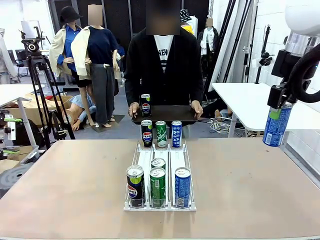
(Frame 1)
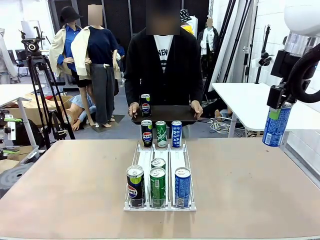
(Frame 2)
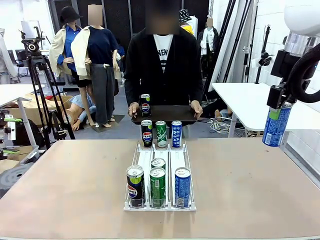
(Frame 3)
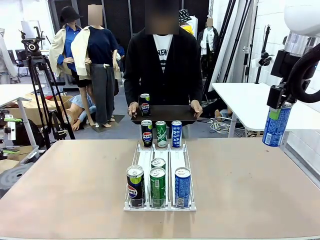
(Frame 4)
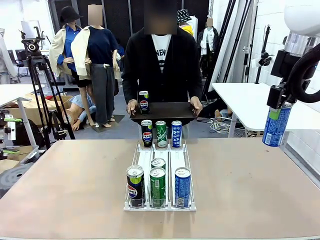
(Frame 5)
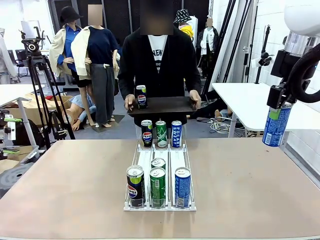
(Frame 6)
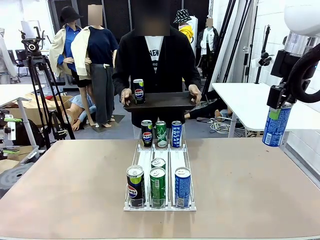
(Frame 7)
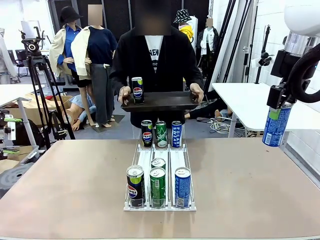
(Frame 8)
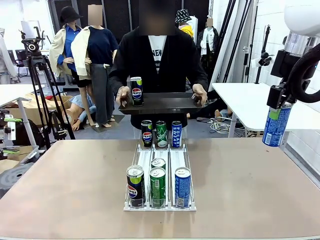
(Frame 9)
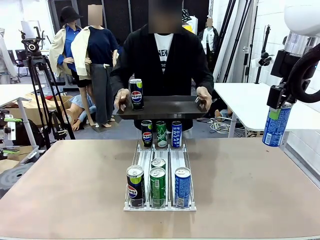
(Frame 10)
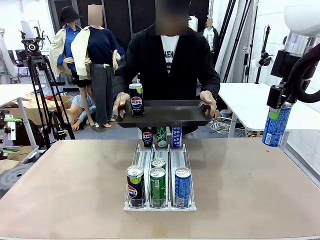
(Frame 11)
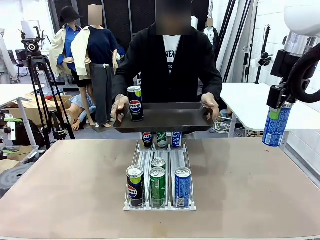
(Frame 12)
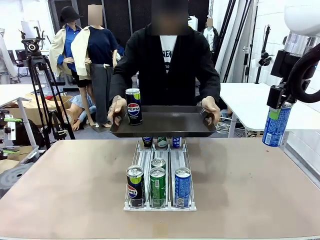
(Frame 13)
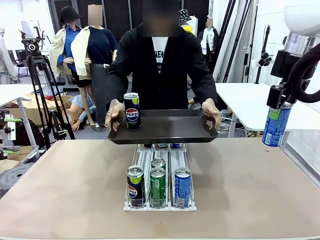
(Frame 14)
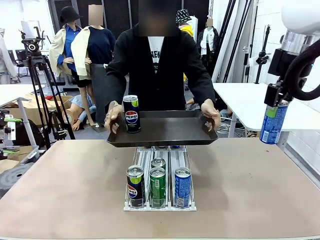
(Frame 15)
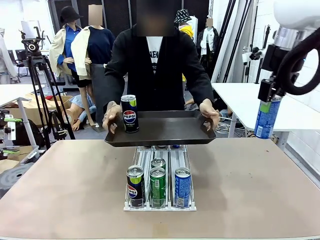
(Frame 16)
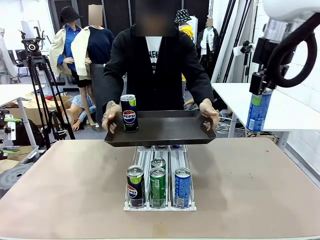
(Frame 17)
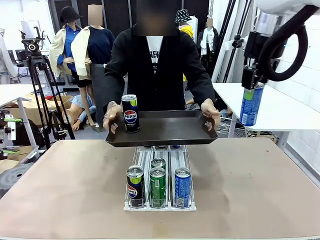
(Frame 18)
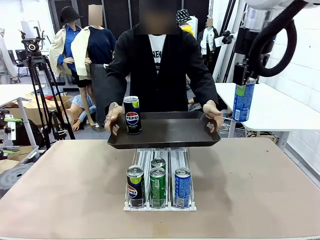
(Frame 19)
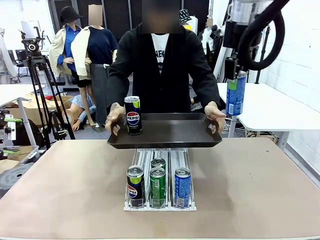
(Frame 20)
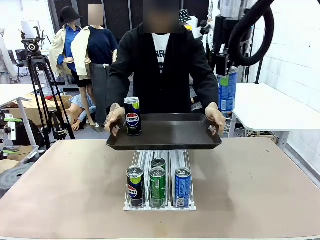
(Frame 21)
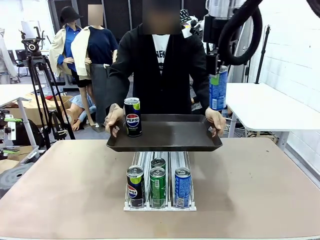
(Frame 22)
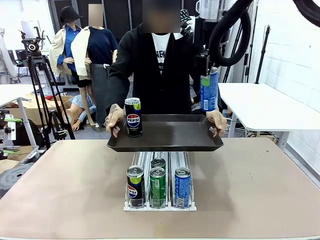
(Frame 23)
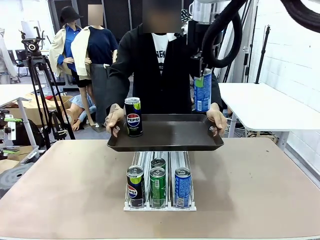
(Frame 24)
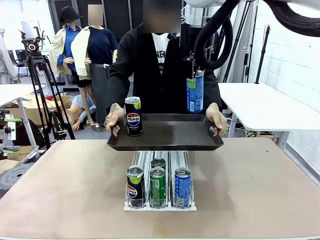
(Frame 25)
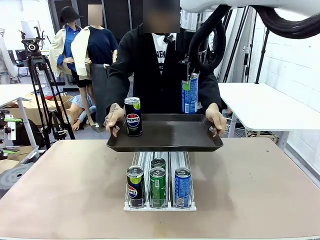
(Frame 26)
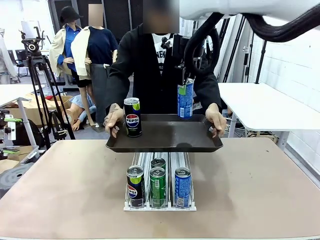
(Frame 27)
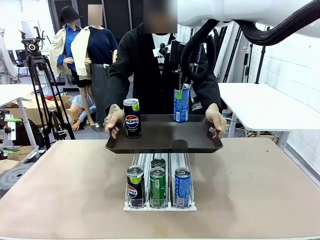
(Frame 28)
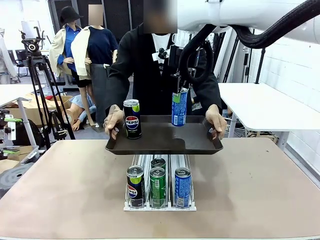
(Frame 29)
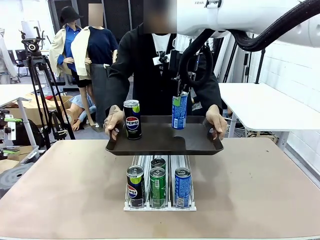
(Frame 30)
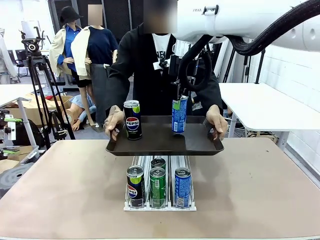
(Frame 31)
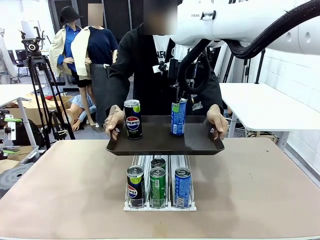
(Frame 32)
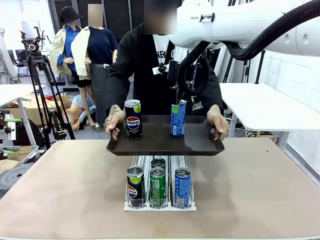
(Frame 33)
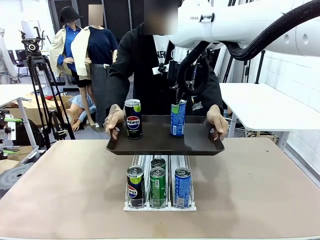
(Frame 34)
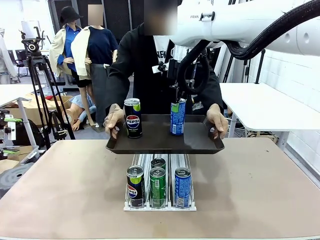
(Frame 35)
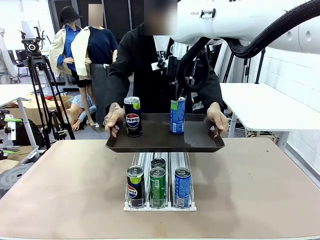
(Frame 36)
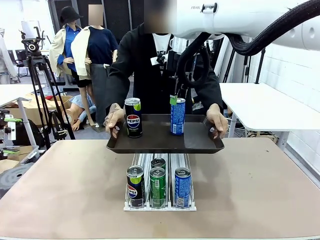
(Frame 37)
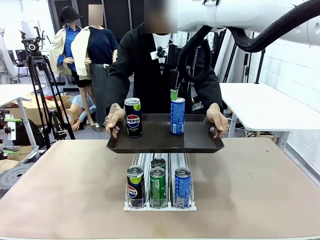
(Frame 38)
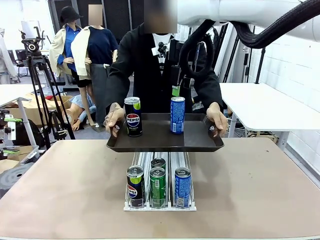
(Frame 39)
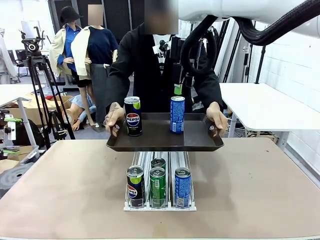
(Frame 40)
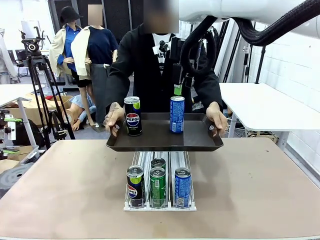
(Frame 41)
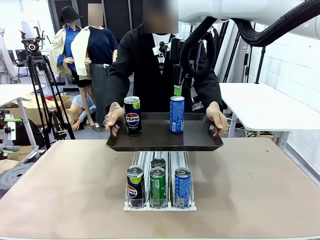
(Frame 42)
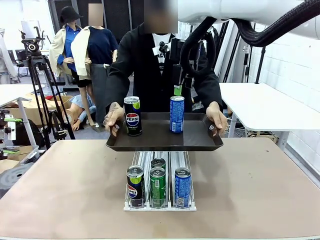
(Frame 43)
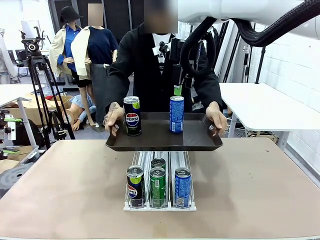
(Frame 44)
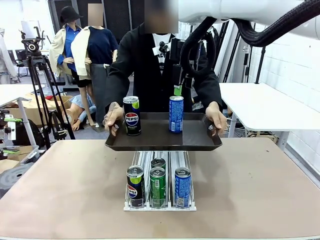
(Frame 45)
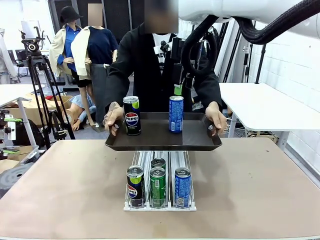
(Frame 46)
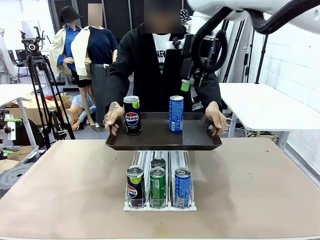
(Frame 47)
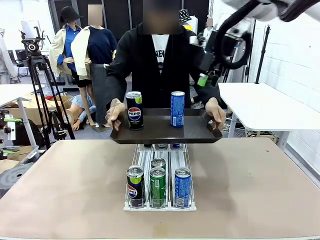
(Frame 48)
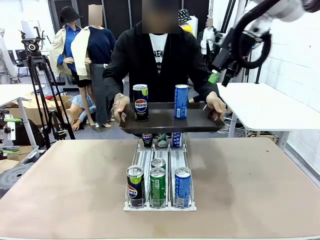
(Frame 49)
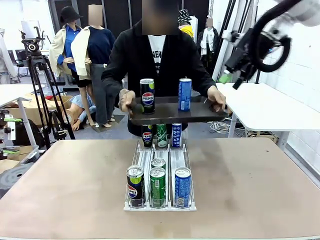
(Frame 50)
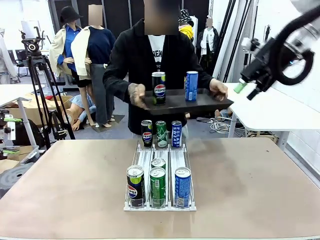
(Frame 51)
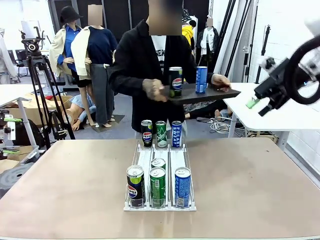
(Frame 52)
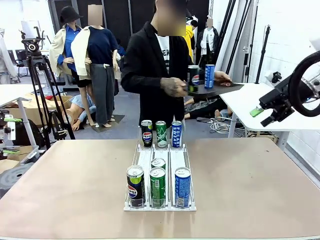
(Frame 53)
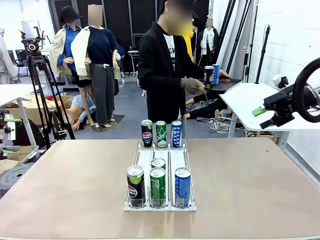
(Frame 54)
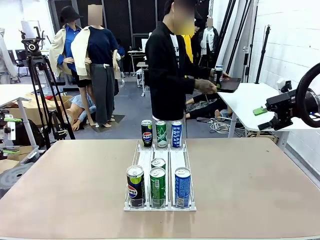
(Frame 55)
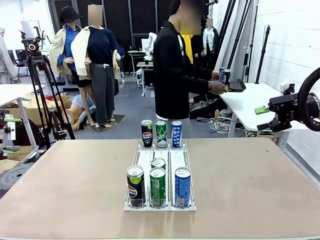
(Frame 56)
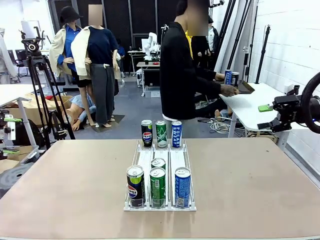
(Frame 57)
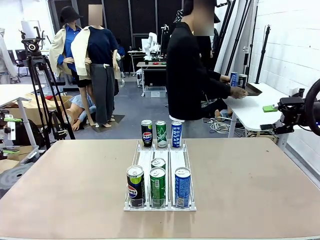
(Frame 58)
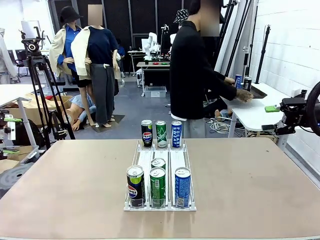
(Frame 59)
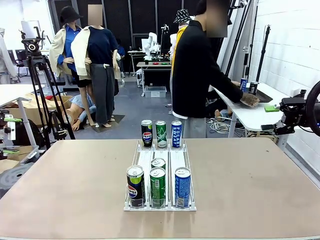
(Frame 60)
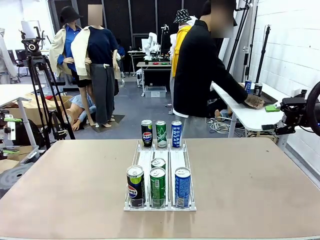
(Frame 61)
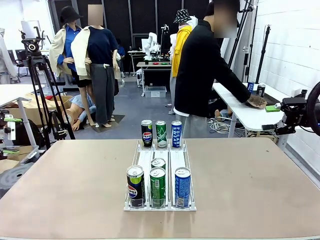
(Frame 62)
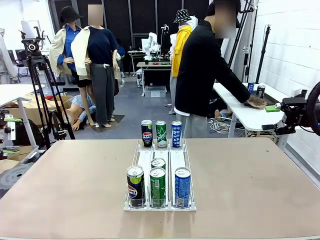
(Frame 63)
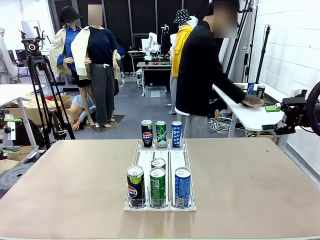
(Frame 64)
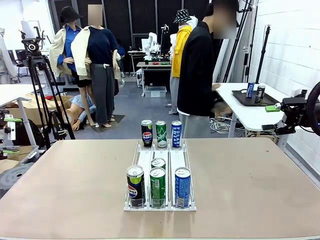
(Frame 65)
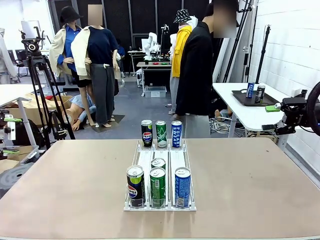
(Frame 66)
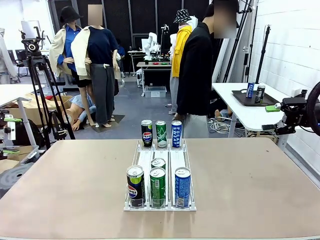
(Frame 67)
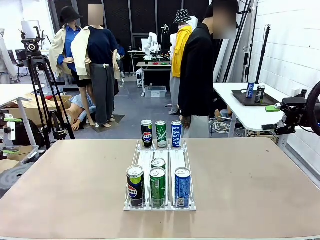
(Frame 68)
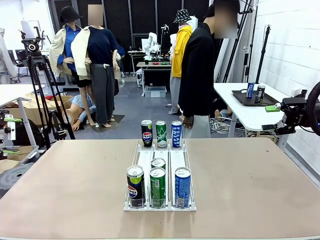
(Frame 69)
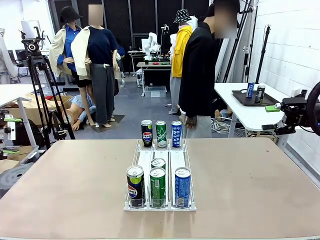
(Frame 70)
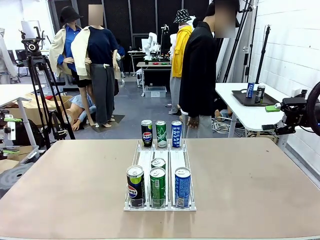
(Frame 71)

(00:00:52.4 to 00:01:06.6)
Task: Retrieve and hand over the desired beverage to the person.
Robot: Place the picked can on the Handle tray extended by the person.
Person: Pull the tray back and place it at the center of the human table.

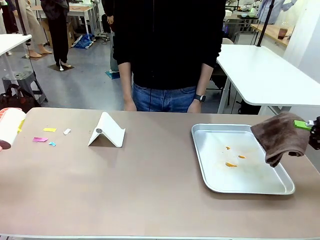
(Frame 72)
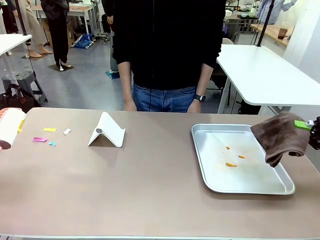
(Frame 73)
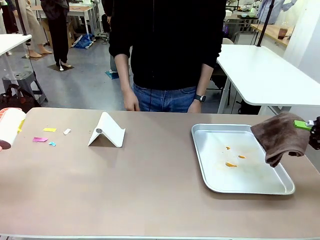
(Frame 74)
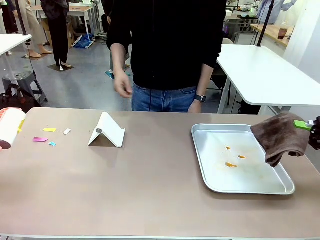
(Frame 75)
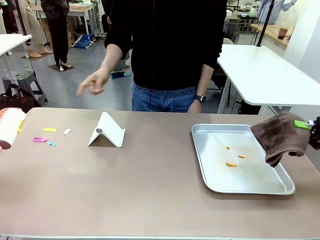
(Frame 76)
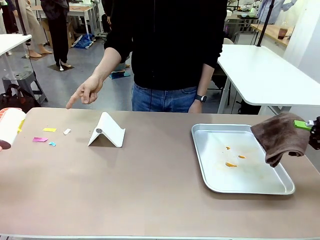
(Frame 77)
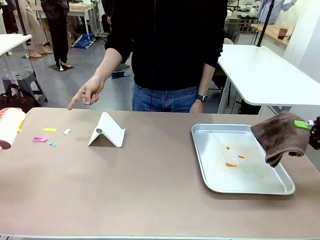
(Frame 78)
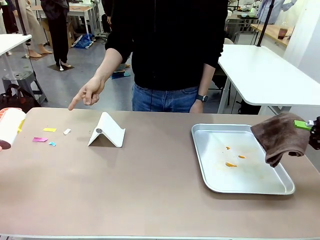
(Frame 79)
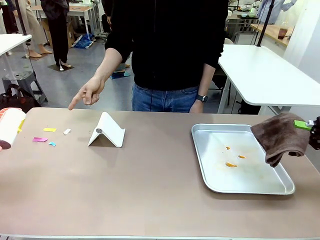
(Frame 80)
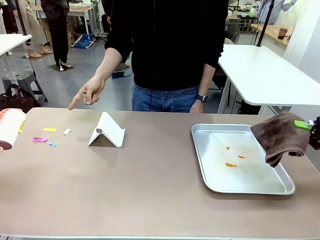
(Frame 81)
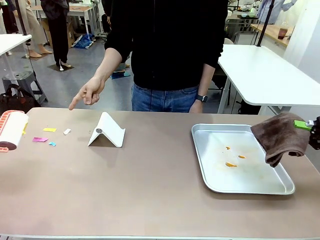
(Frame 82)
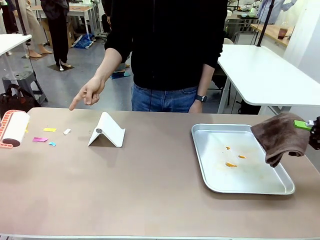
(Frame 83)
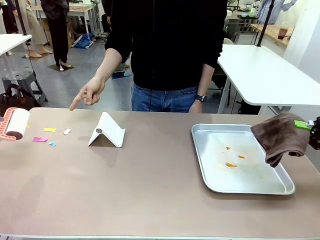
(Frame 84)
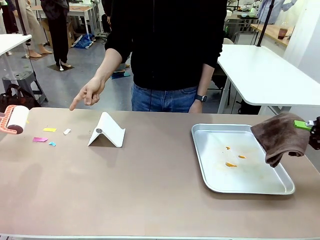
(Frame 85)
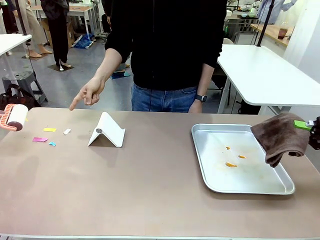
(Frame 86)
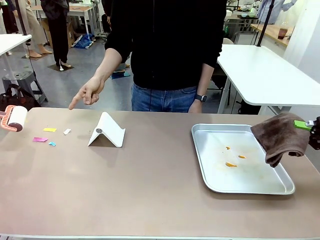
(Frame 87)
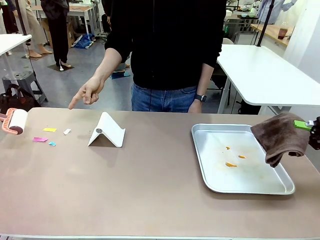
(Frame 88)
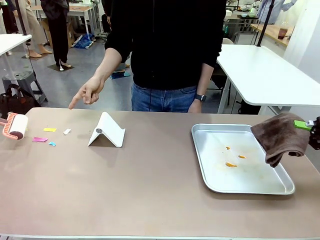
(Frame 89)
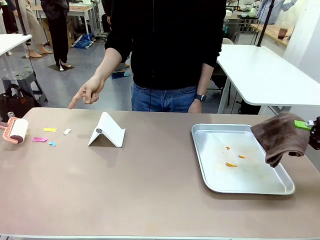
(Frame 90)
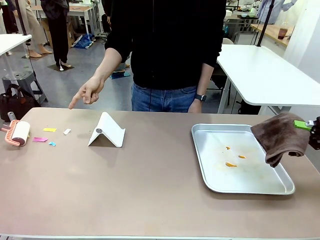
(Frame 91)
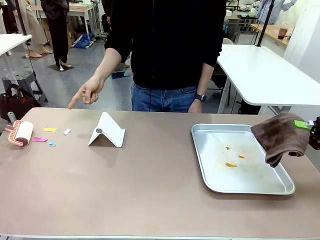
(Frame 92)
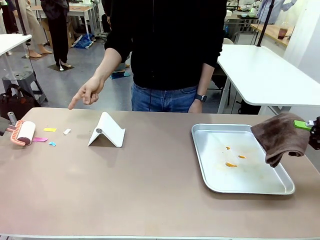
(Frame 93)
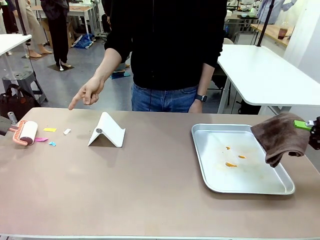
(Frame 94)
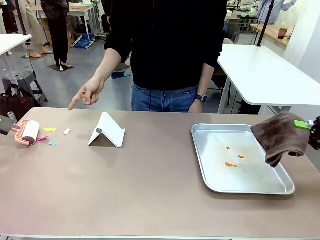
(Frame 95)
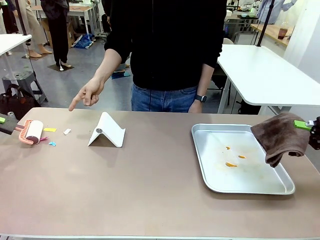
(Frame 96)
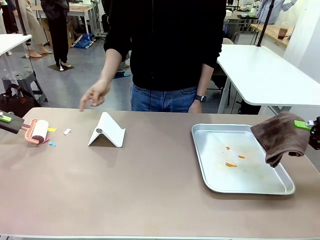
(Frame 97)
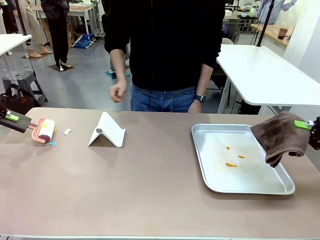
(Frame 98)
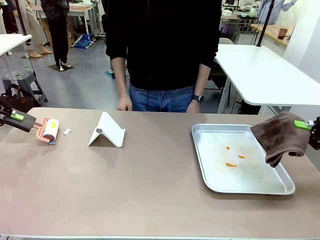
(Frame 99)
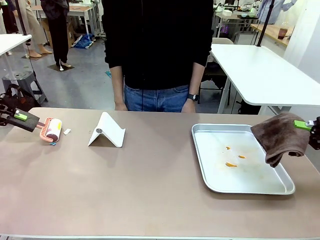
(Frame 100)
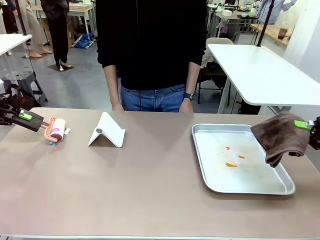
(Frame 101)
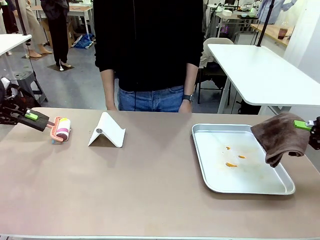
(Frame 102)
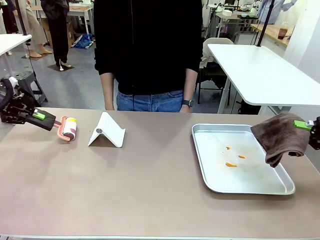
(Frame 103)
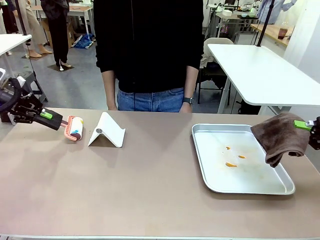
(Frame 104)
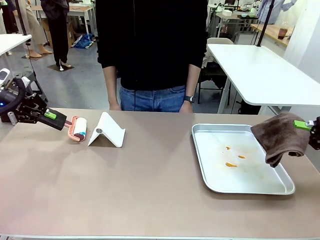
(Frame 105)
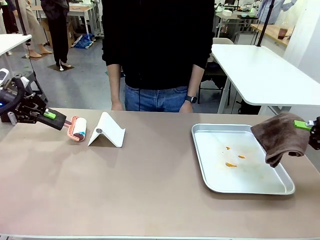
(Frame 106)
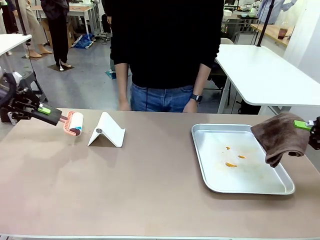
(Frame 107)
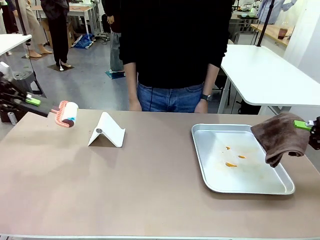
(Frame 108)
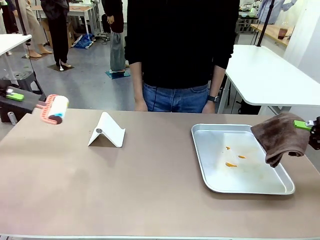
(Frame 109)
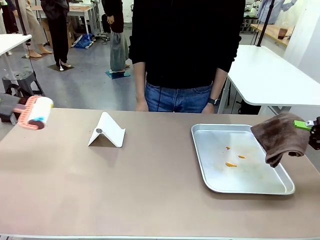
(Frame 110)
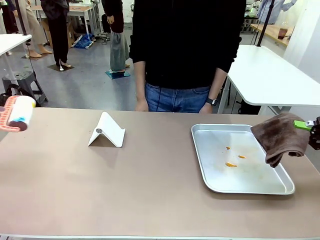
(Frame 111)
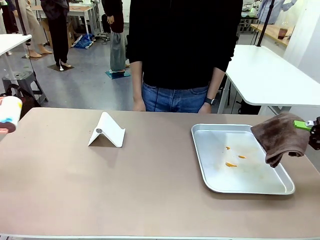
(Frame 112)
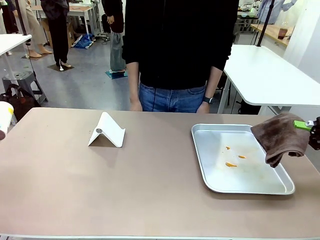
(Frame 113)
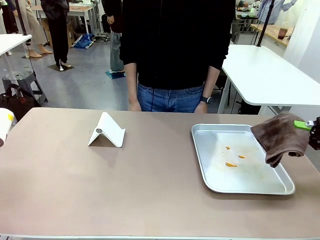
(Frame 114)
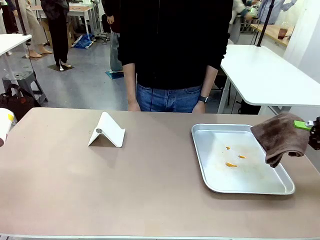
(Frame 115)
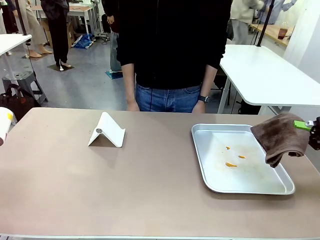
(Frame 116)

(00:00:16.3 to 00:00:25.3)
Task: Clean the surface of the table.
Robot: If a person points to the right, clean the right side of the table with your right hand, and if they point to the left, clean the left side with your left hand.
